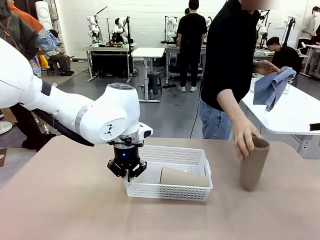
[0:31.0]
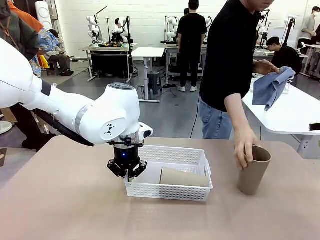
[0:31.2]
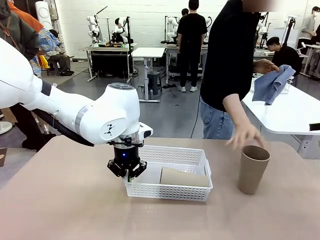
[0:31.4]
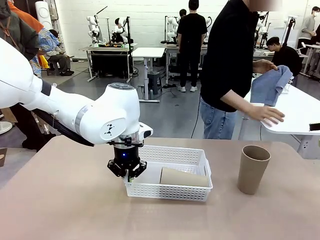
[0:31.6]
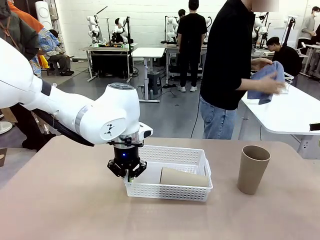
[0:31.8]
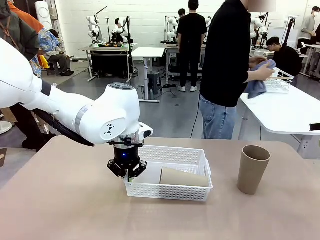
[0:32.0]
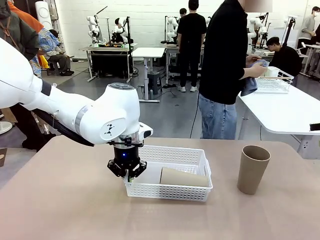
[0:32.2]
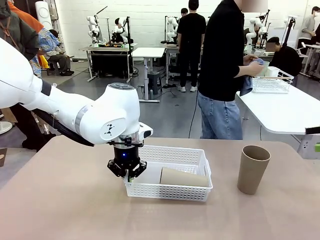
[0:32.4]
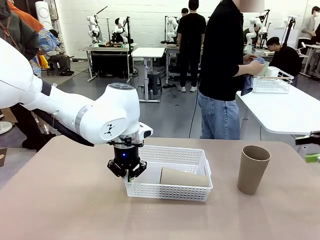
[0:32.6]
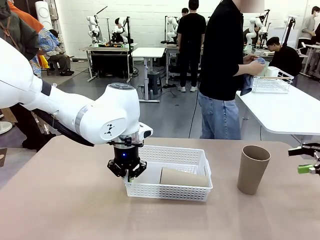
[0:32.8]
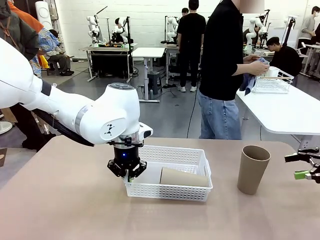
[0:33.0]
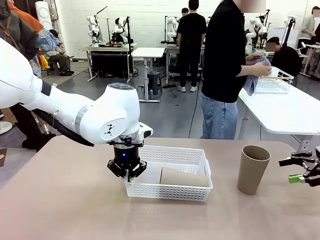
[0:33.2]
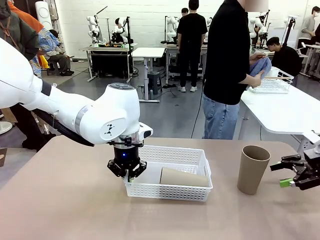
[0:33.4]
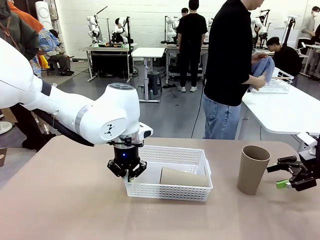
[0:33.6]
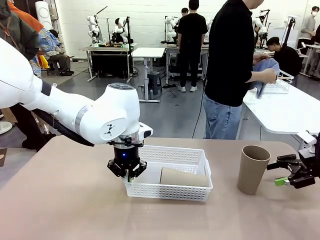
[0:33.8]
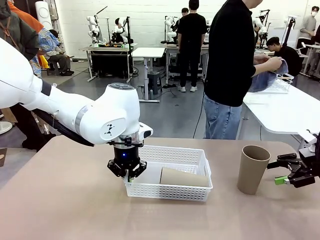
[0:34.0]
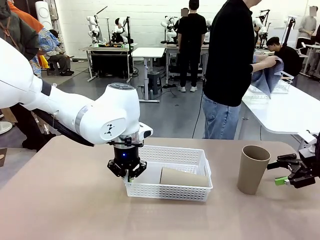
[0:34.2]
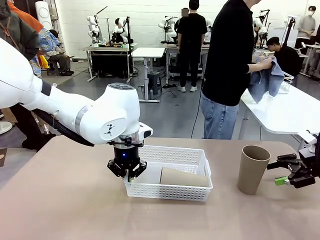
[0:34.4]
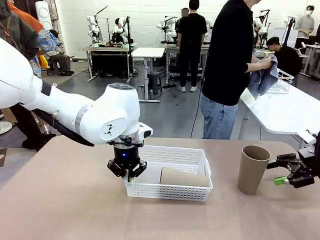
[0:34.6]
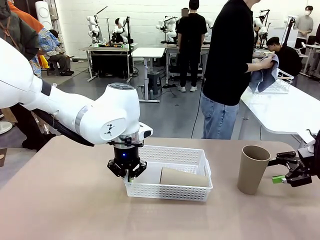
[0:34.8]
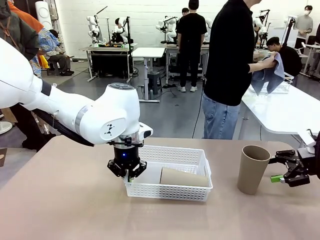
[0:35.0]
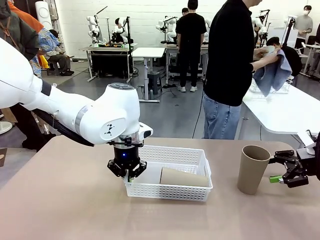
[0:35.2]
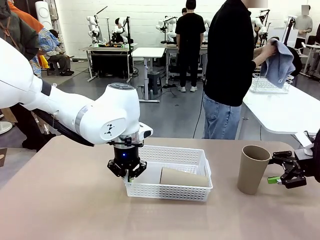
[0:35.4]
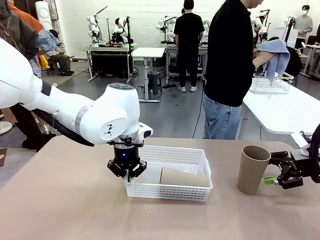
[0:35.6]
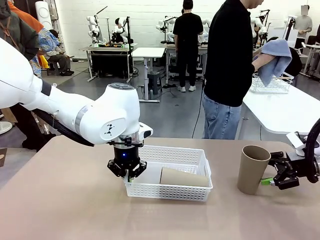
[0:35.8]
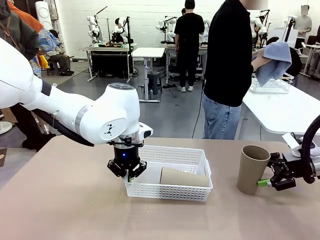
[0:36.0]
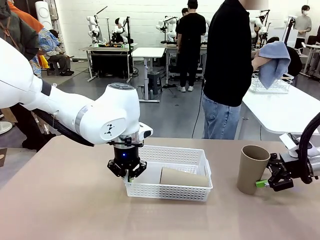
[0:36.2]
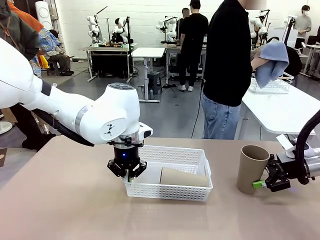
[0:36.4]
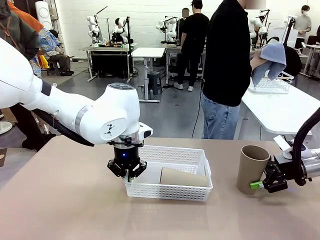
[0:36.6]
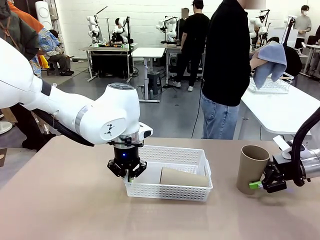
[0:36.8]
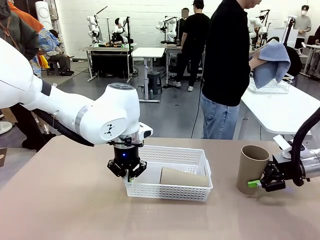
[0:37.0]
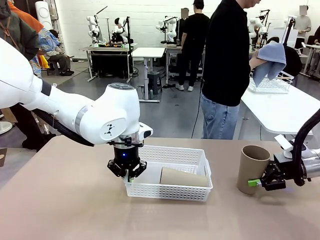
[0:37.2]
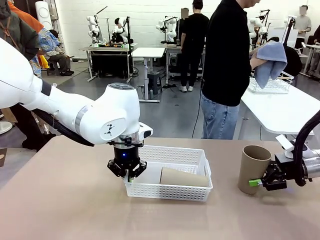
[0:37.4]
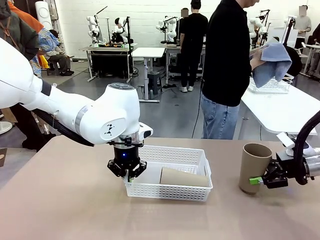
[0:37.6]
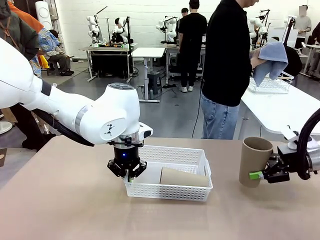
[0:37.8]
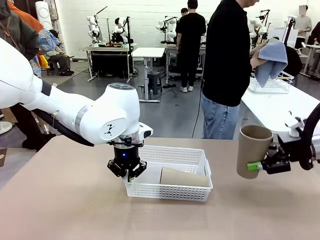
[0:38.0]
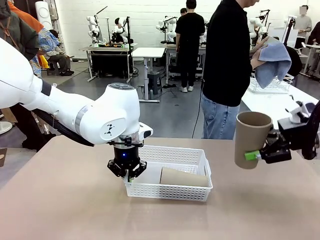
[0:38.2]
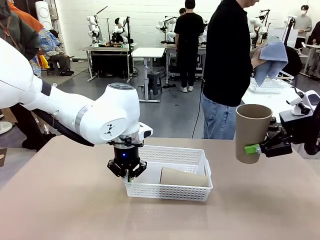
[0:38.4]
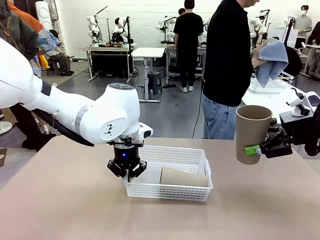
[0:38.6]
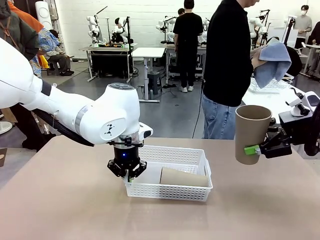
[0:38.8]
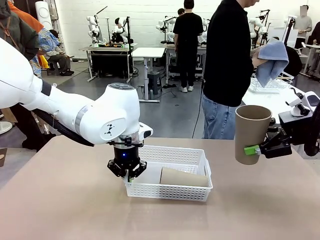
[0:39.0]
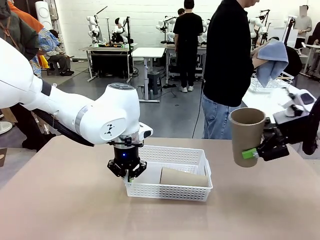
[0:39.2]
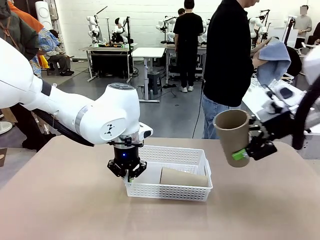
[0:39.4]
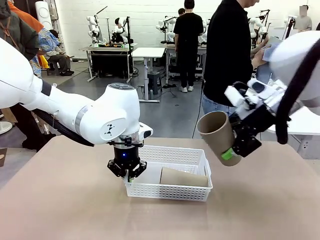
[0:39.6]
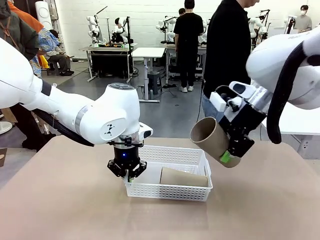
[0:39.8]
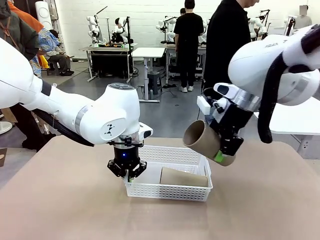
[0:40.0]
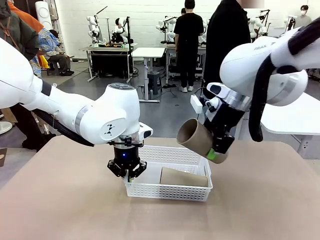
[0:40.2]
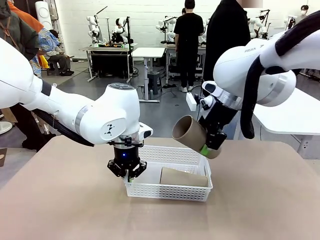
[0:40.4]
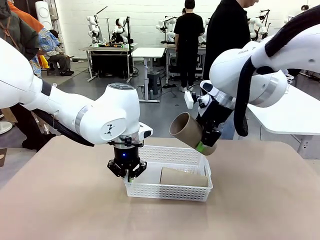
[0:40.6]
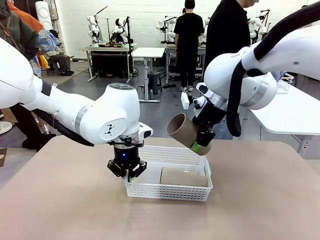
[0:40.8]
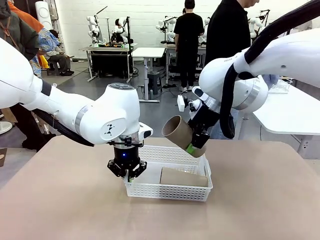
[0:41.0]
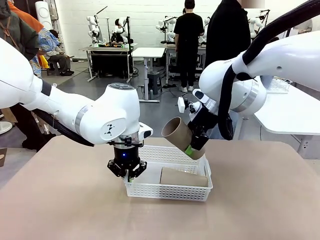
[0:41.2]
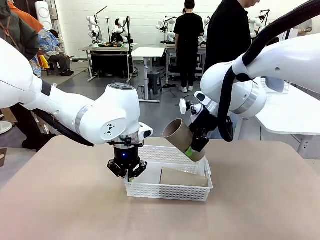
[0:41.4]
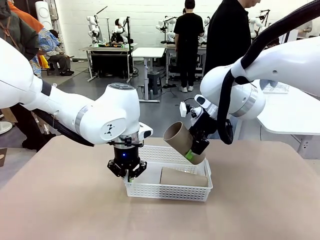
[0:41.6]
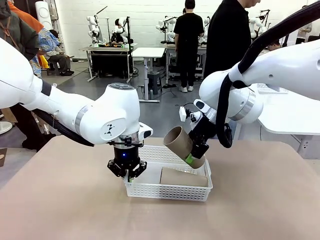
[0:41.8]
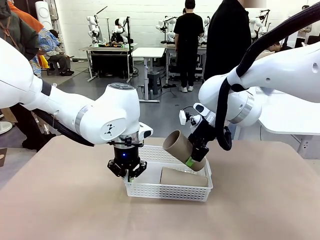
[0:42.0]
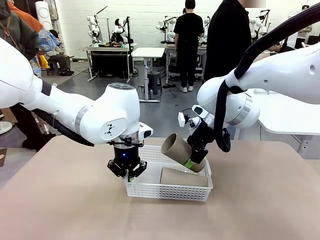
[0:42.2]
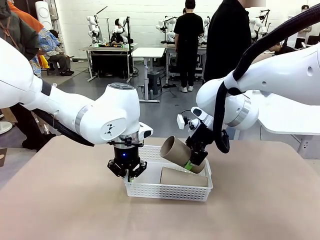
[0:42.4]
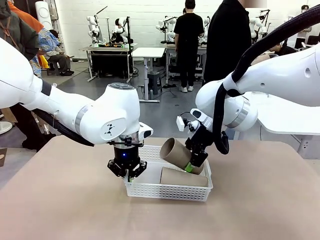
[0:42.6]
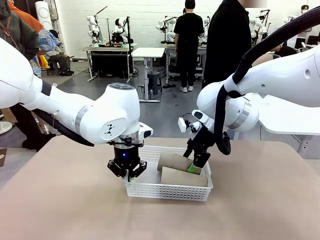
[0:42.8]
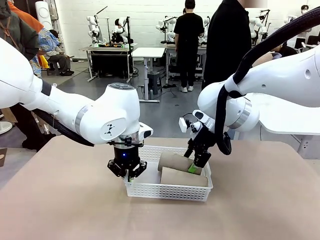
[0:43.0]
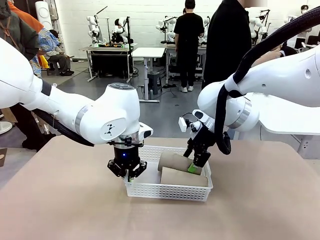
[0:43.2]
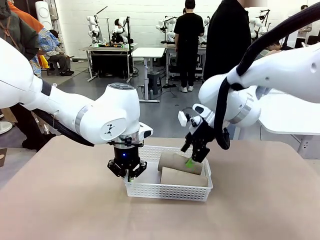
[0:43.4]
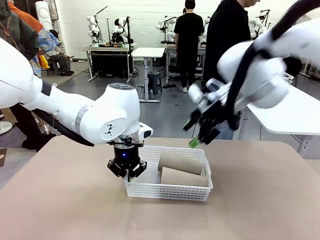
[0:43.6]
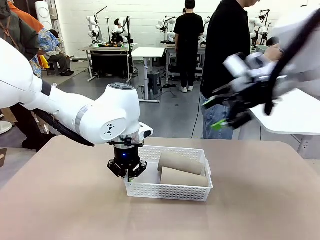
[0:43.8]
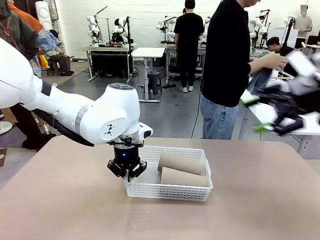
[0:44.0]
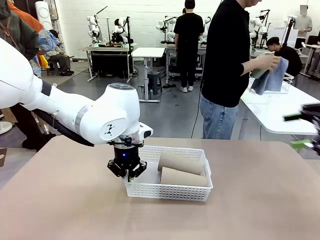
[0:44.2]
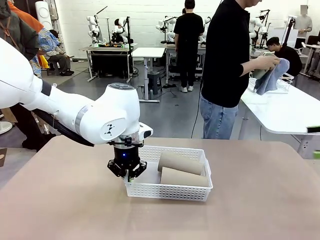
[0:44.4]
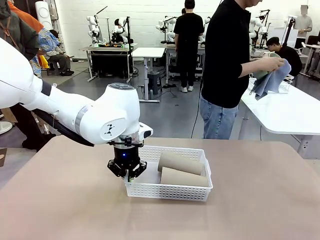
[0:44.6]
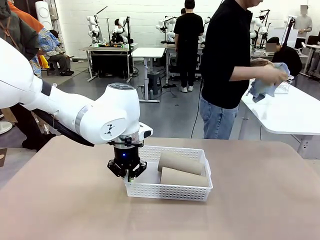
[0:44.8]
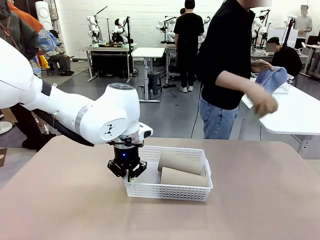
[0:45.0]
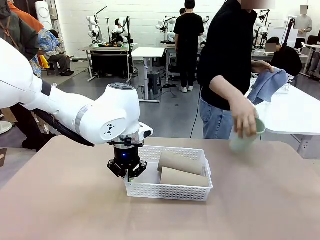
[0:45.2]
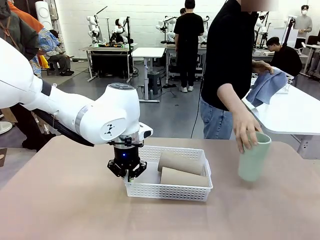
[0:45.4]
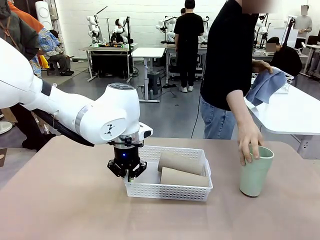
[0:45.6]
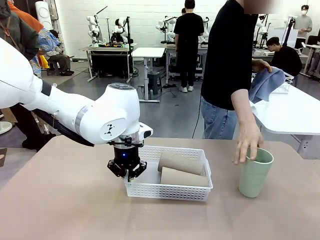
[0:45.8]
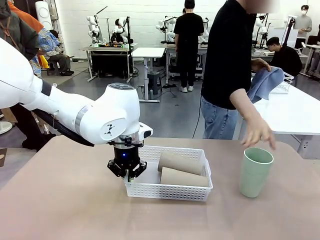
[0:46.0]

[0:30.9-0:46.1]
Task: Clean and organize the cups into the basket.
Robot: Pick up the Reusable plastic cup from the right side of the table and stack it inside the Organizing basket in the center of the table.

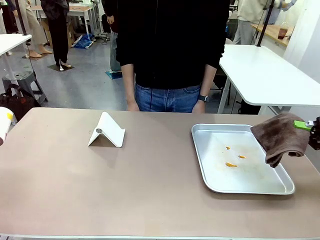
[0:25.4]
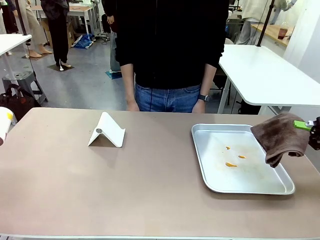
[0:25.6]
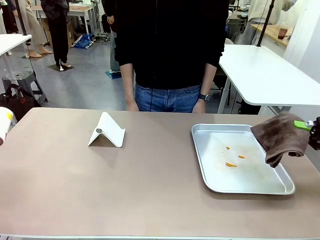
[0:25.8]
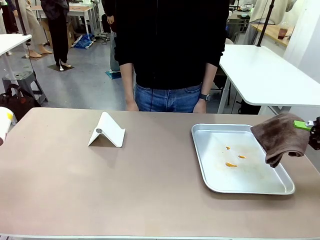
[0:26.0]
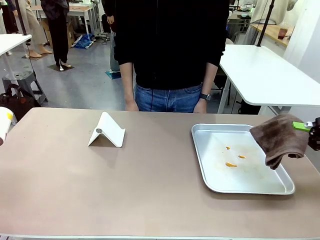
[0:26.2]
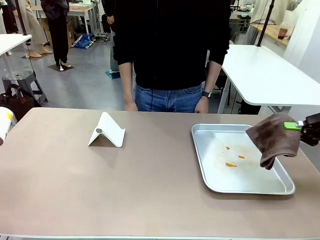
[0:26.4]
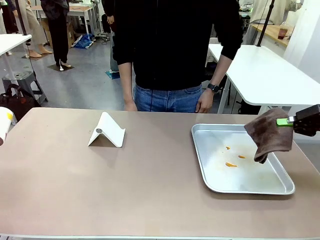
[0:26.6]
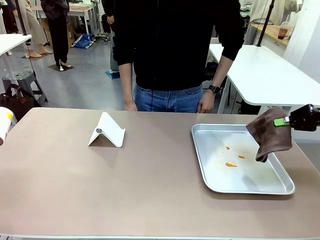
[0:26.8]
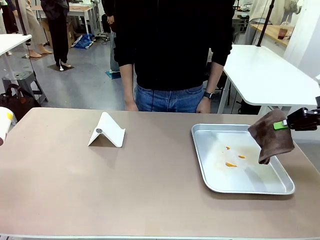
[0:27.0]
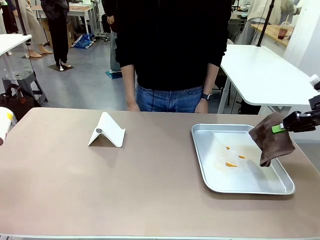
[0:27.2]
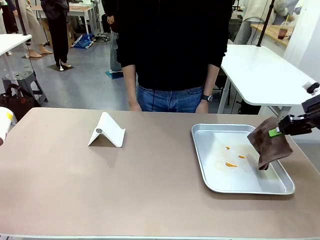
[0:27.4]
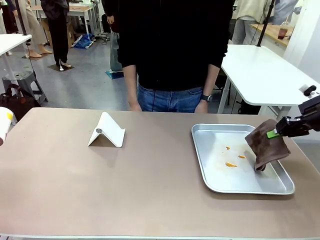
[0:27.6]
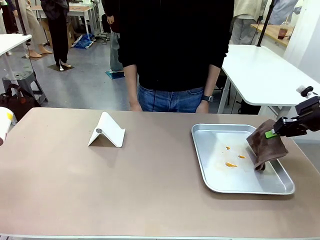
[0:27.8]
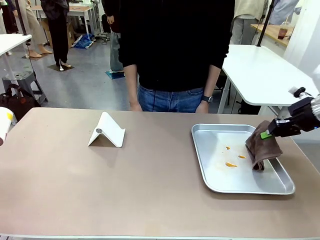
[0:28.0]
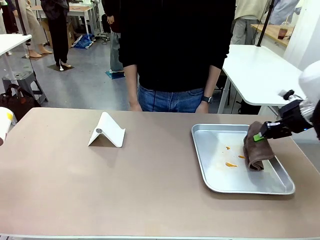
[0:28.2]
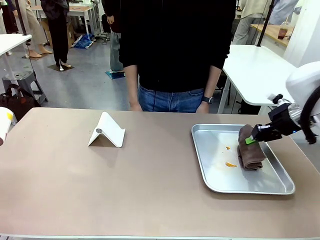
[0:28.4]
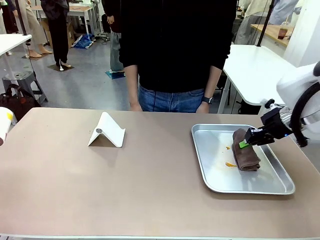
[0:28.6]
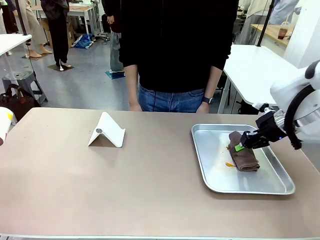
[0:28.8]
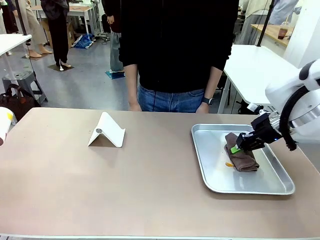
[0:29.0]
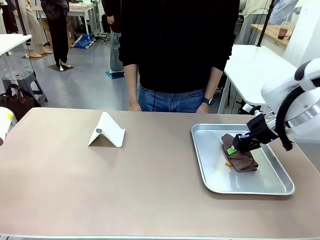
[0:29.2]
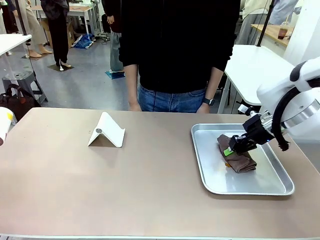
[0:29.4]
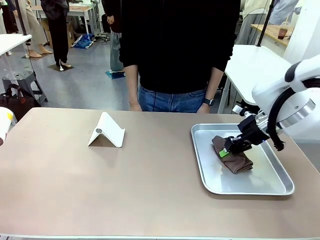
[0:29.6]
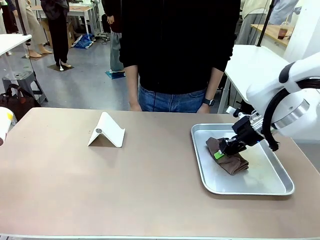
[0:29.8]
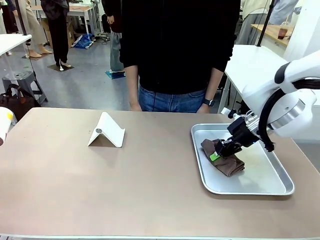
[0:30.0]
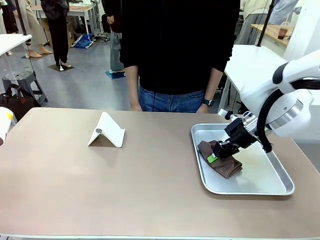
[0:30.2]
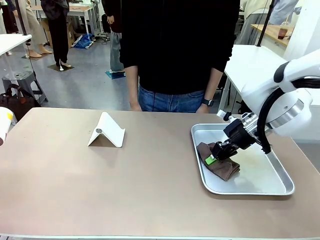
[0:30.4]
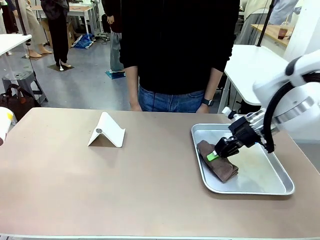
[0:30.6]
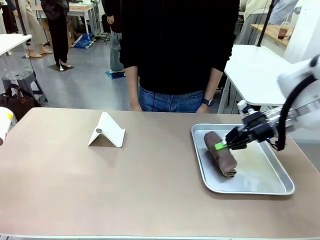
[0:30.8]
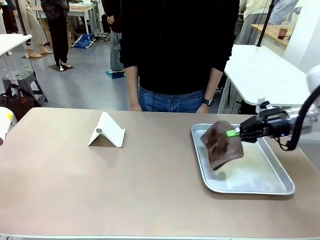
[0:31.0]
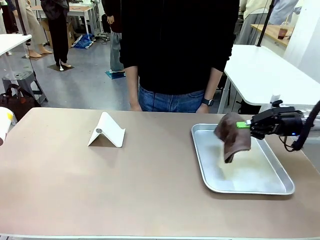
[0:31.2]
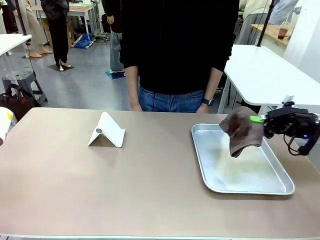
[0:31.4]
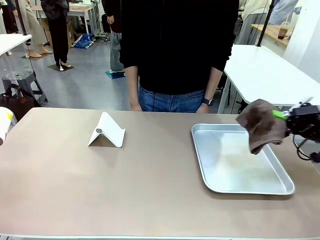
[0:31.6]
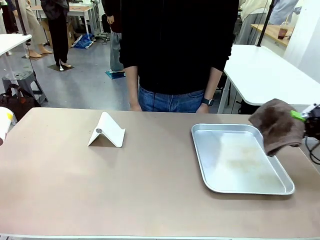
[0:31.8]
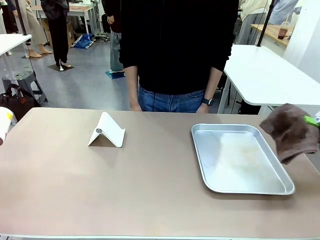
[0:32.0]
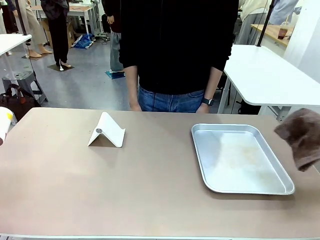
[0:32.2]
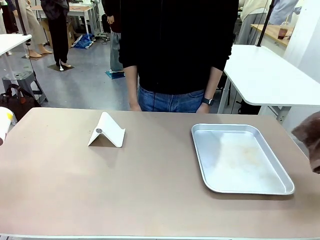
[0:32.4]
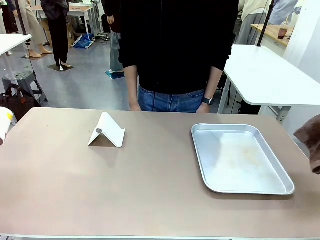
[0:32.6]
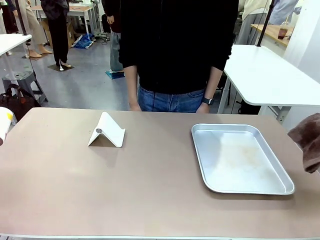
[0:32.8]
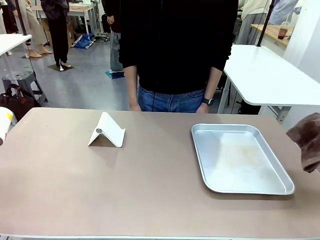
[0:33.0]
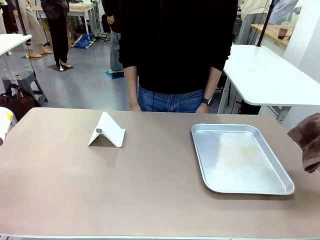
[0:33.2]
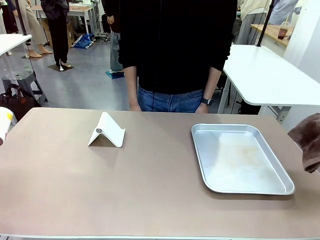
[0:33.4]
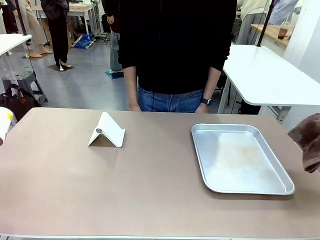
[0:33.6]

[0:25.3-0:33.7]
Task: Clean the surface of the table.
Robot: Clean the area not pointed to by the person.
